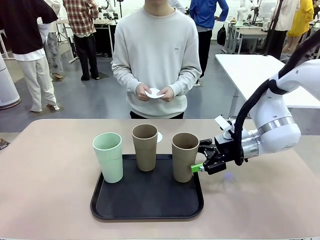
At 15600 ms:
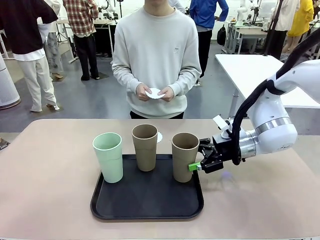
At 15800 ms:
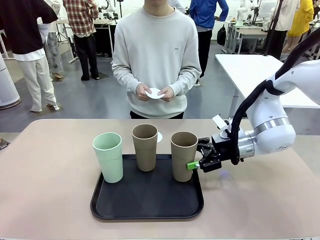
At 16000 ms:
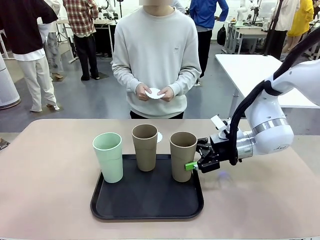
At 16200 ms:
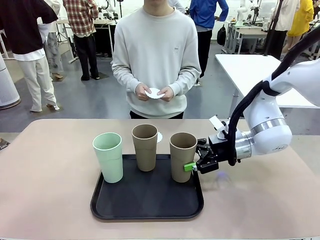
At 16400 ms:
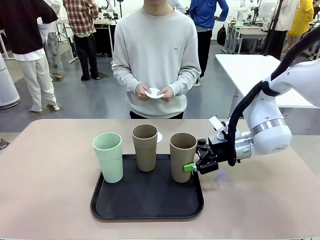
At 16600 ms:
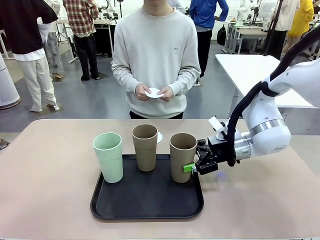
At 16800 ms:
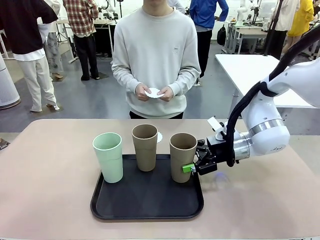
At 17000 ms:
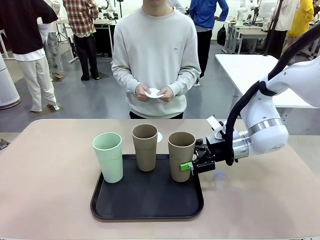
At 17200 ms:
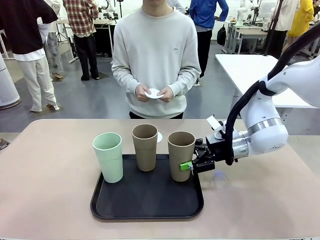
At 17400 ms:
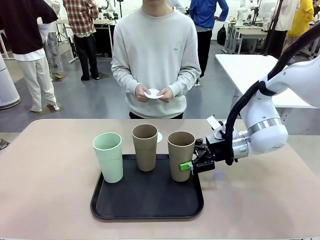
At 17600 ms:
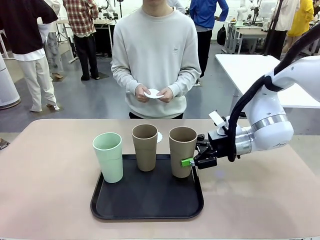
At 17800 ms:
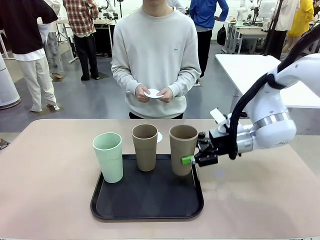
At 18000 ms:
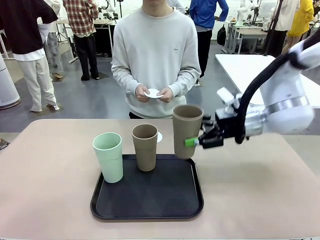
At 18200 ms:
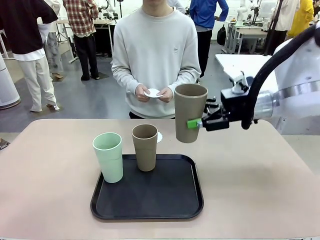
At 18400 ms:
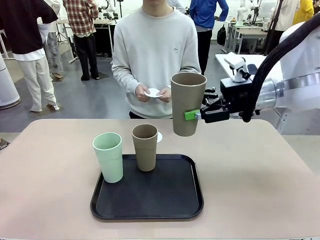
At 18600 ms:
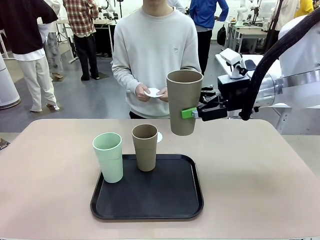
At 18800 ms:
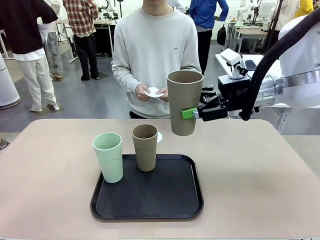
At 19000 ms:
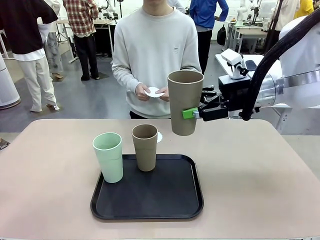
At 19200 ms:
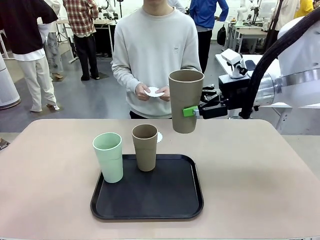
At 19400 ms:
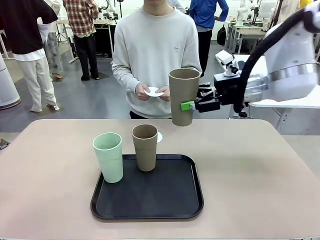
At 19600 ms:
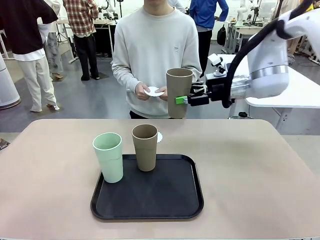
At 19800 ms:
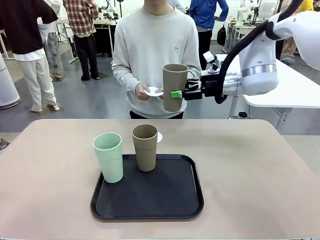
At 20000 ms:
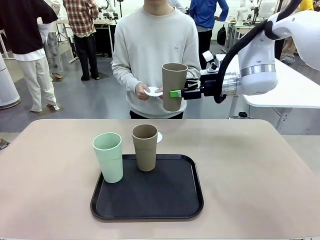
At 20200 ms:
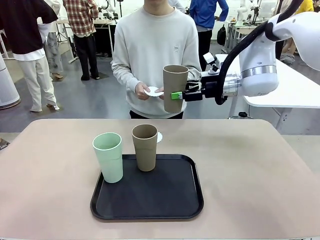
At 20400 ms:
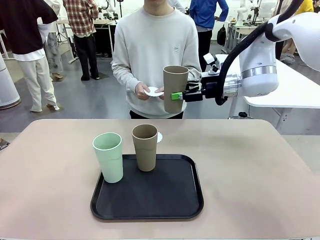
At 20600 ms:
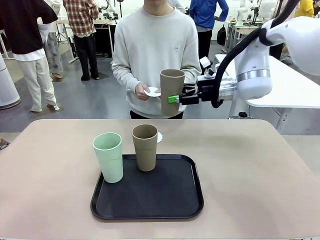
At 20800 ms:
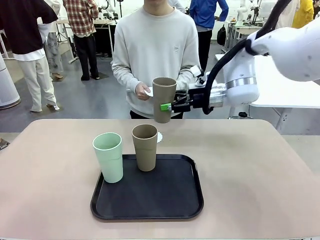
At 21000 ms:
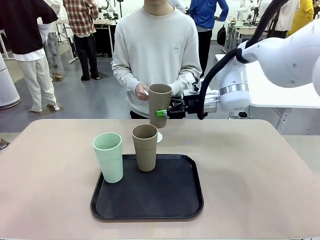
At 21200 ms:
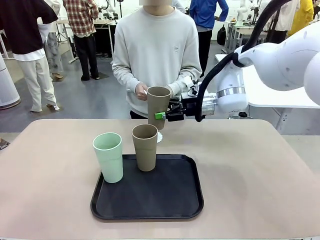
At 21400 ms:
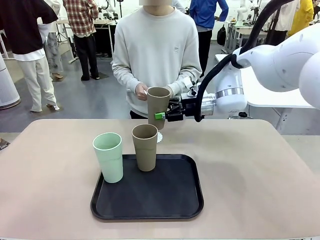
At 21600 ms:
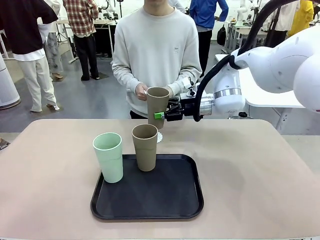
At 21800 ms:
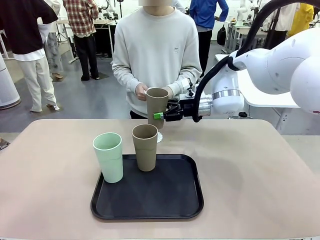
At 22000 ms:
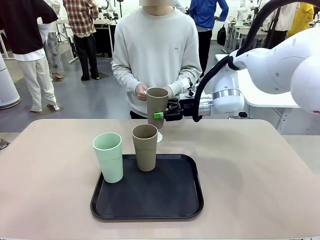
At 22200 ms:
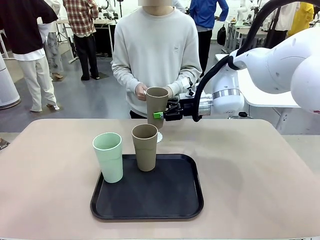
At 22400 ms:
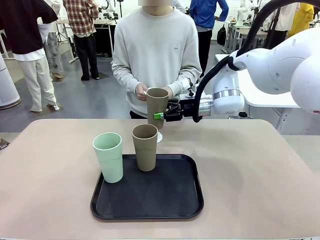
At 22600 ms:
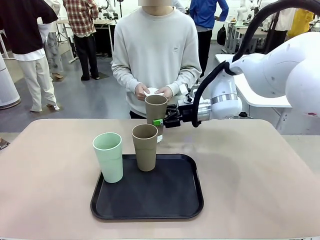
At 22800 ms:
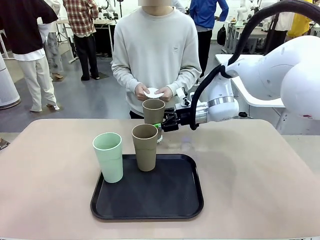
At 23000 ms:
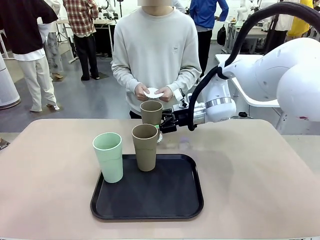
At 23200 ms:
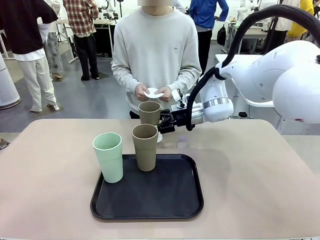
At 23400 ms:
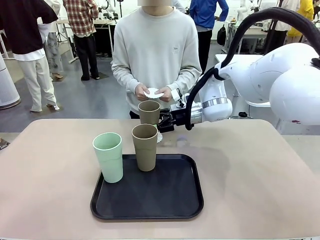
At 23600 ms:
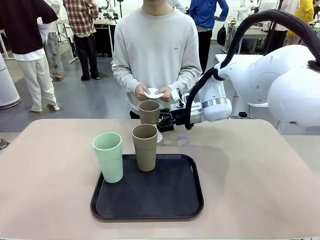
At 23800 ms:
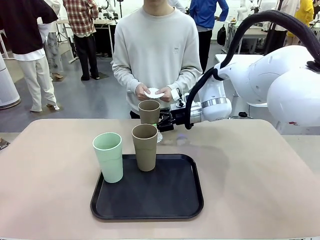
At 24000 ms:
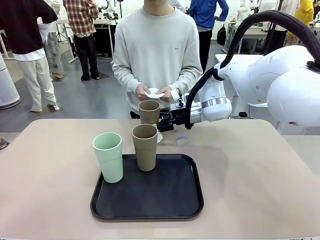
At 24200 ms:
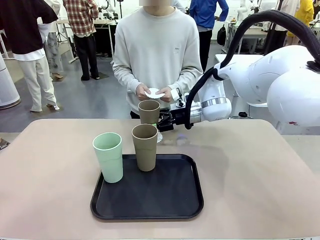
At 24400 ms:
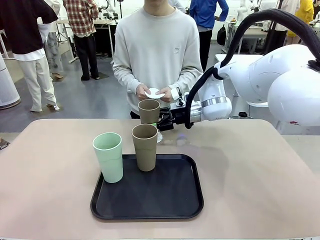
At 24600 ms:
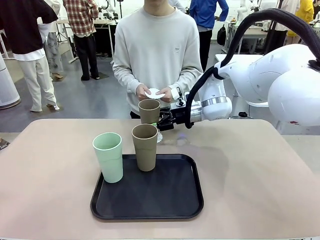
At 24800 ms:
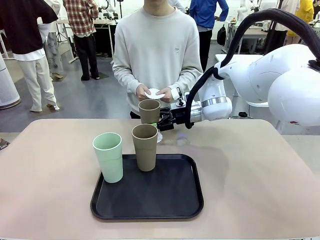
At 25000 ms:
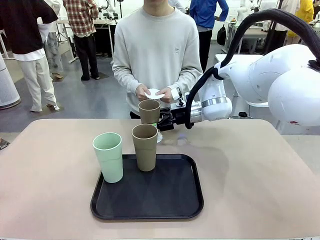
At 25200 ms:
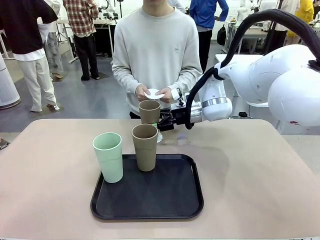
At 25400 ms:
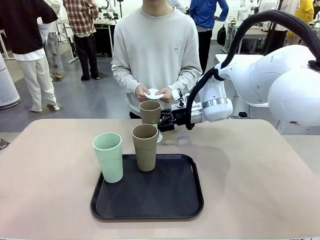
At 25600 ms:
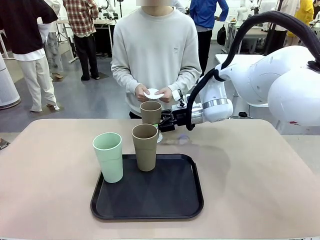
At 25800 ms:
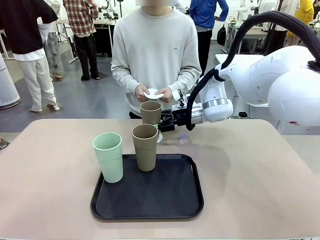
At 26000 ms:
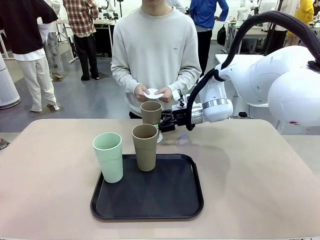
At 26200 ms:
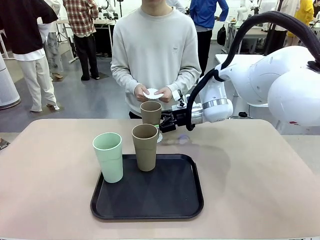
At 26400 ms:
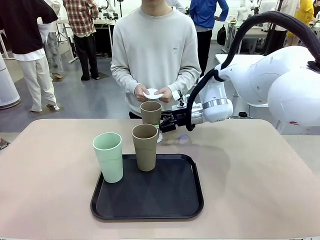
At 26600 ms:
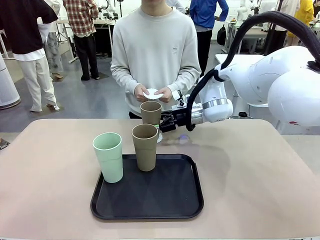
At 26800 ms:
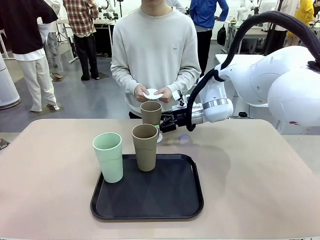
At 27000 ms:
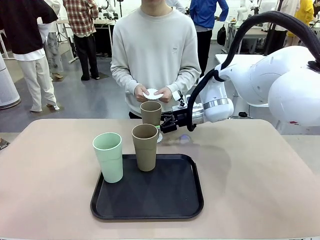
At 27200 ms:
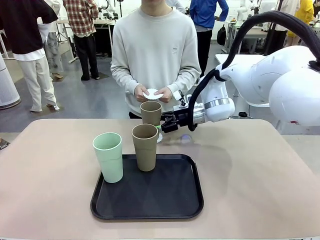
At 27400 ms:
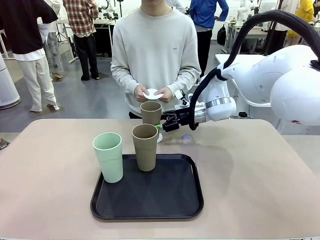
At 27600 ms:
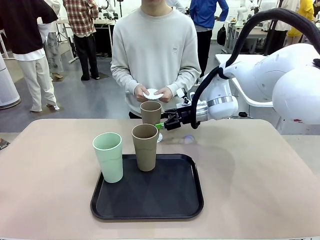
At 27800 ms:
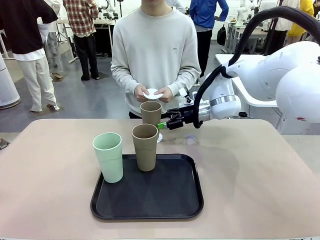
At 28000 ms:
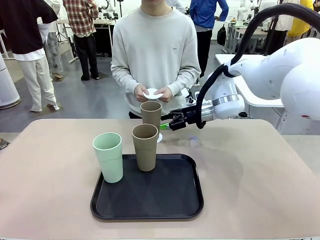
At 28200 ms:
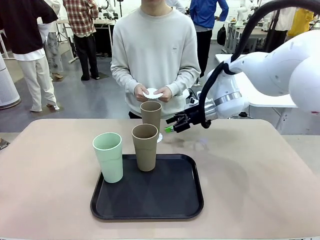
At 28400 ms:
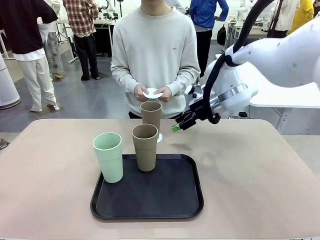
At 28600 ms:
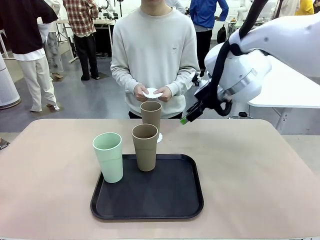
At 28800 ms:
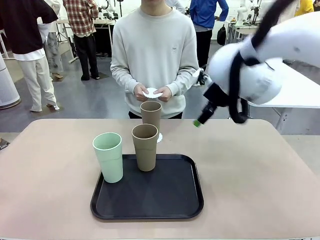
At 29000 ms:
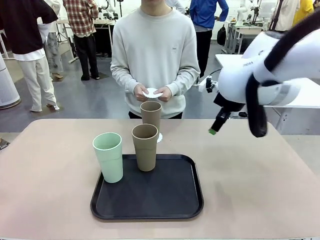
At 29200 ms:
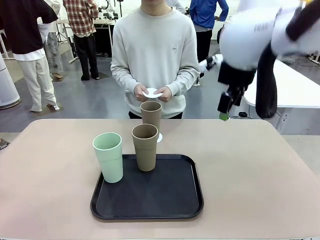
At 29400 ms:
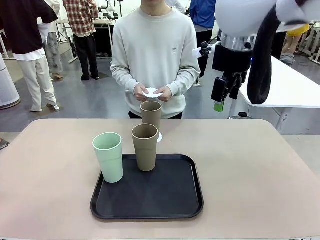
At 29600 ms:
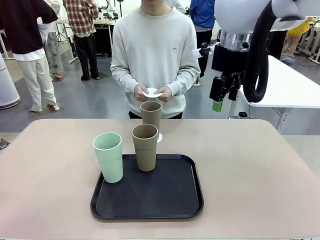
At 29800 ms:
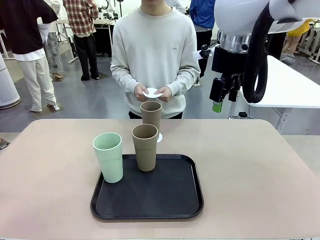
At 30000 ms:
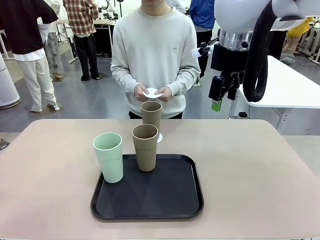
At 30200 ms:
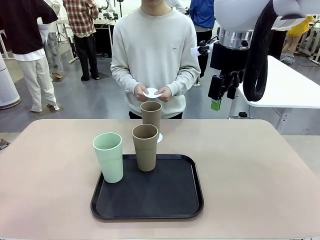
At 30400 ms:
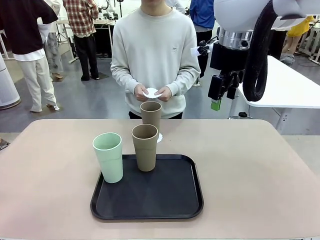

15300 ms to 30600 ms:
Task: Place coasters on the table and set cups on them.
Robot: Pick up one Reusable plastic cup and place it on a coaster set by the human.
Person: Place one coaster in one of the two areas excluding the previously selected area.
